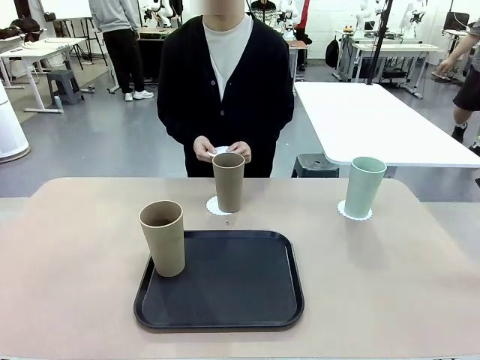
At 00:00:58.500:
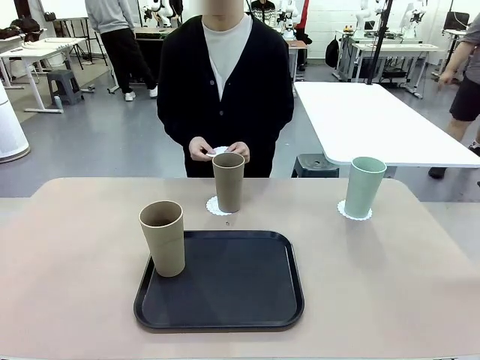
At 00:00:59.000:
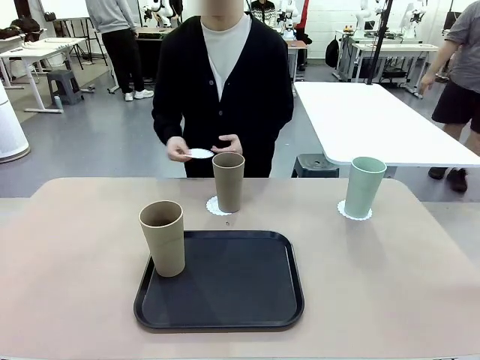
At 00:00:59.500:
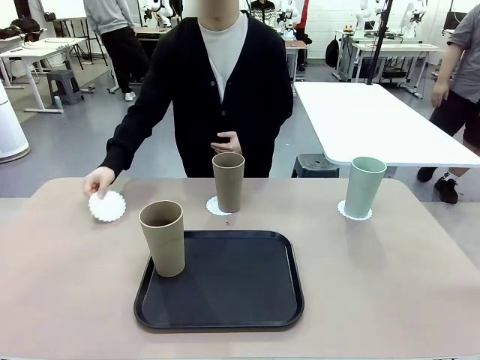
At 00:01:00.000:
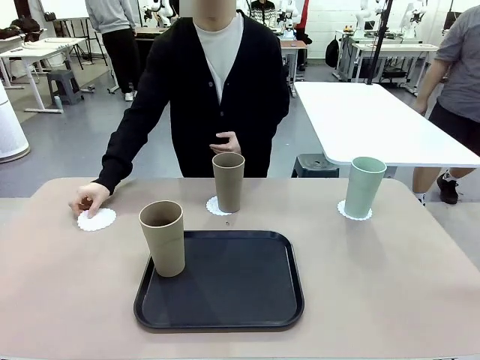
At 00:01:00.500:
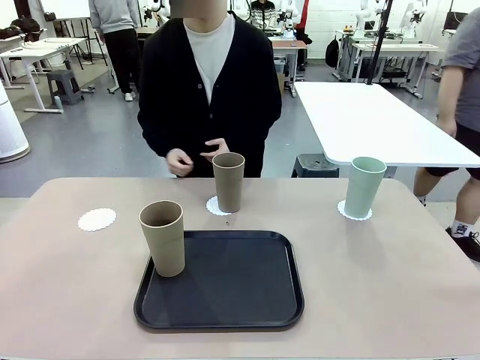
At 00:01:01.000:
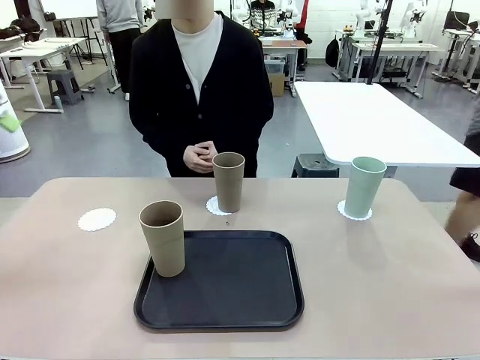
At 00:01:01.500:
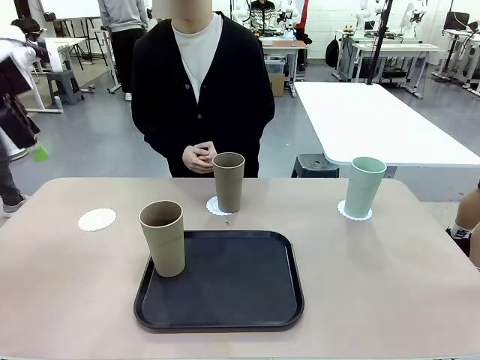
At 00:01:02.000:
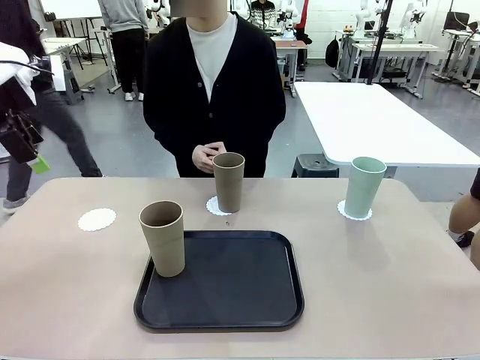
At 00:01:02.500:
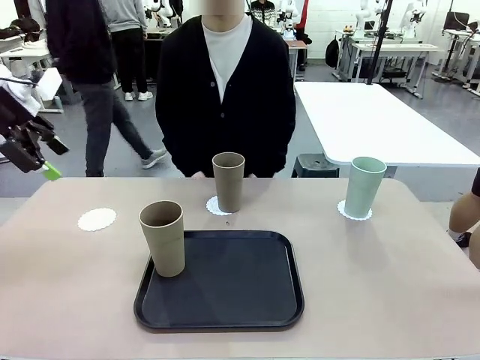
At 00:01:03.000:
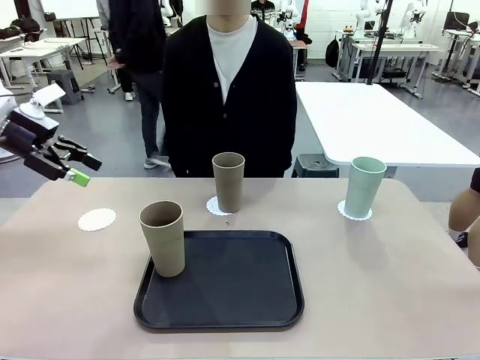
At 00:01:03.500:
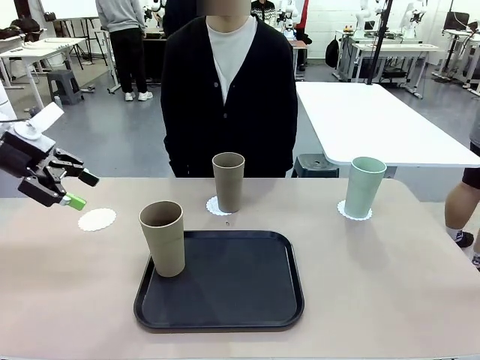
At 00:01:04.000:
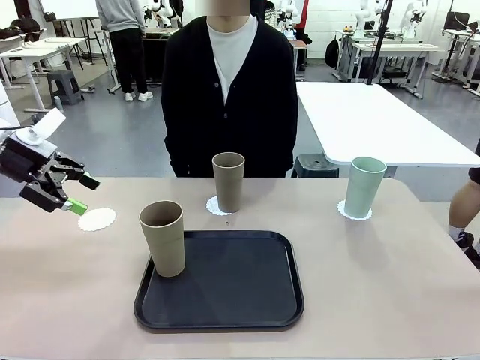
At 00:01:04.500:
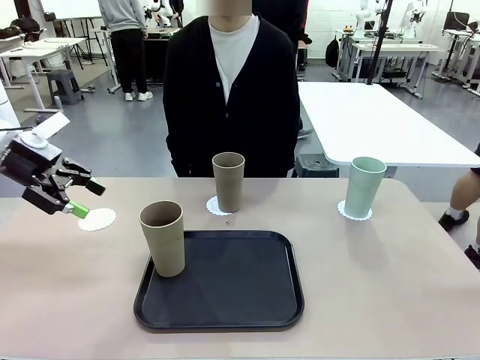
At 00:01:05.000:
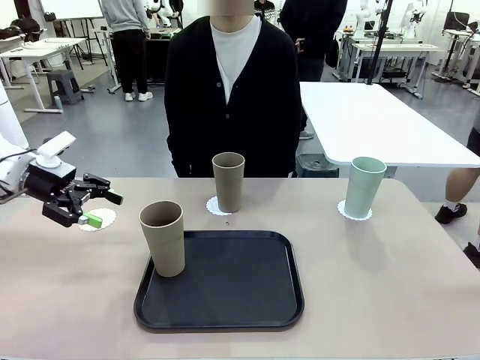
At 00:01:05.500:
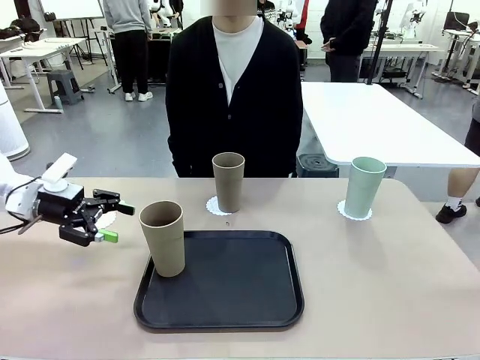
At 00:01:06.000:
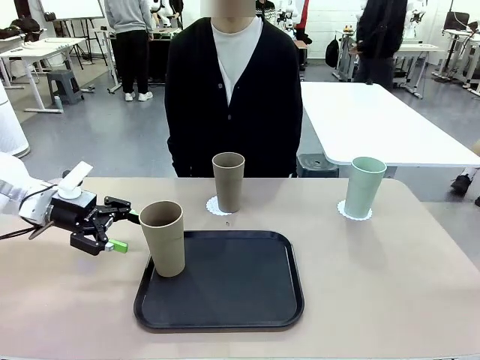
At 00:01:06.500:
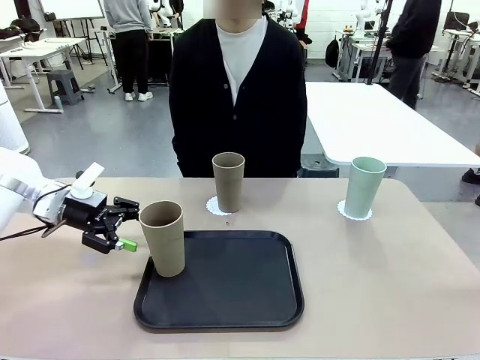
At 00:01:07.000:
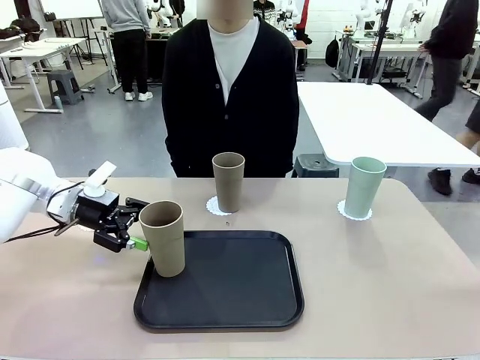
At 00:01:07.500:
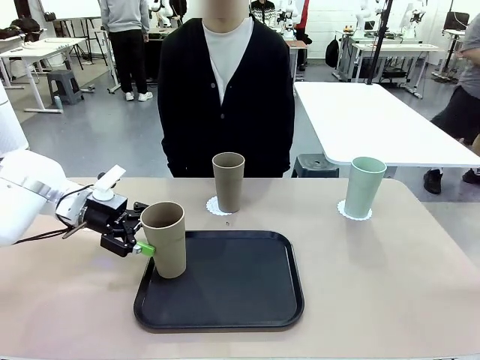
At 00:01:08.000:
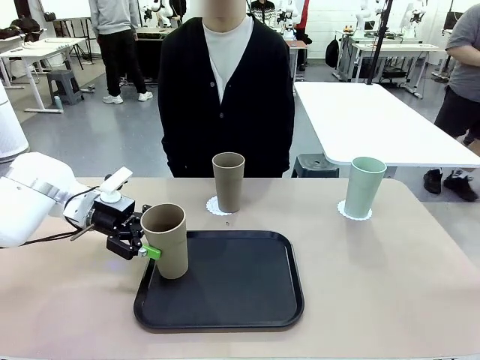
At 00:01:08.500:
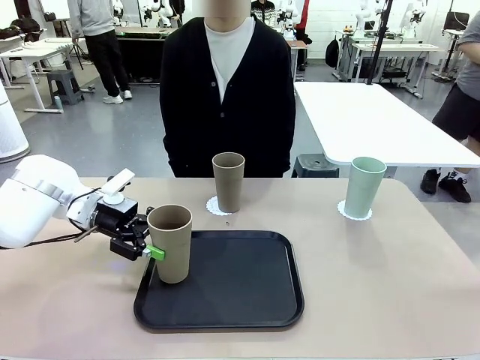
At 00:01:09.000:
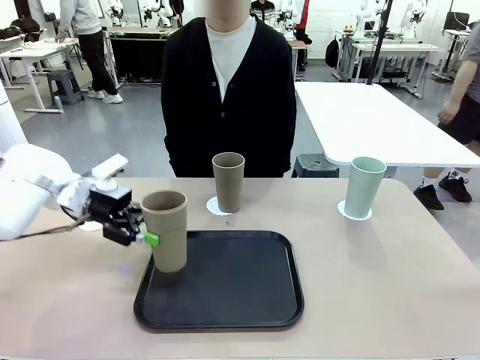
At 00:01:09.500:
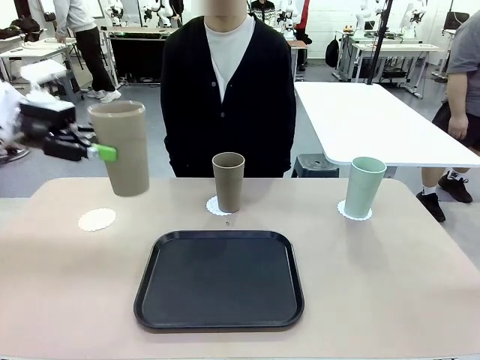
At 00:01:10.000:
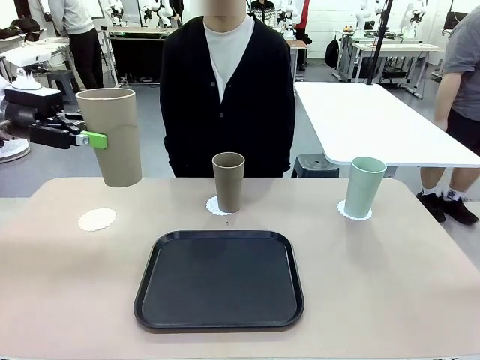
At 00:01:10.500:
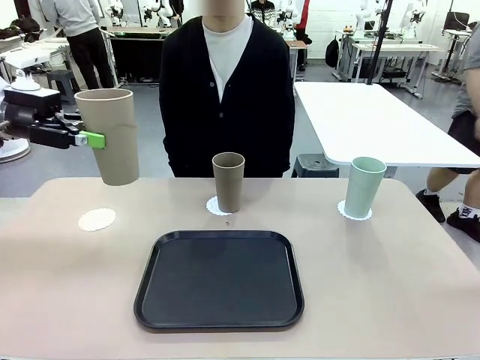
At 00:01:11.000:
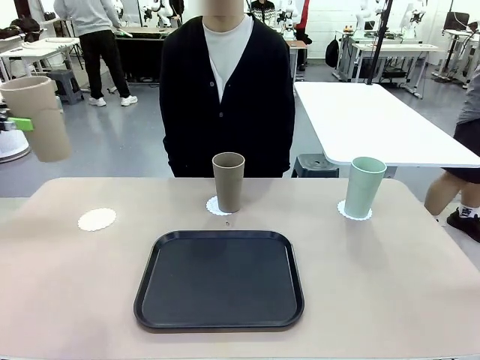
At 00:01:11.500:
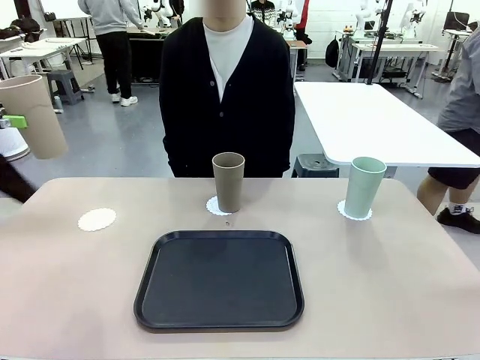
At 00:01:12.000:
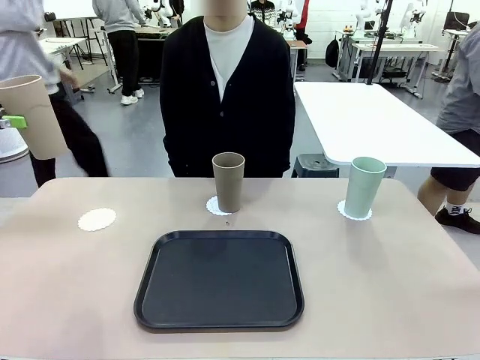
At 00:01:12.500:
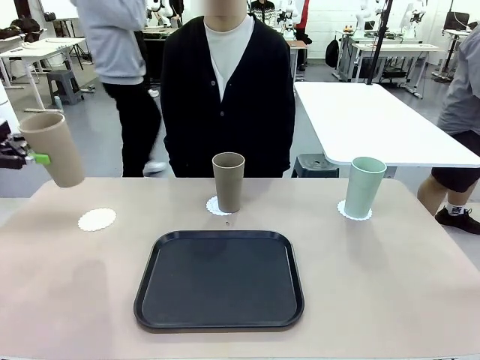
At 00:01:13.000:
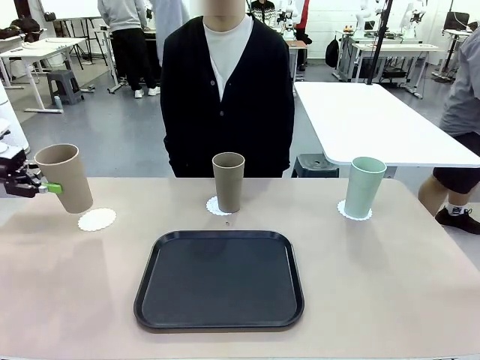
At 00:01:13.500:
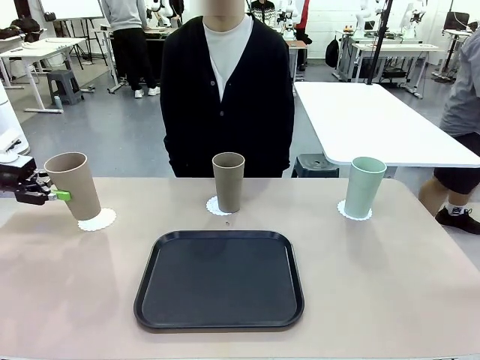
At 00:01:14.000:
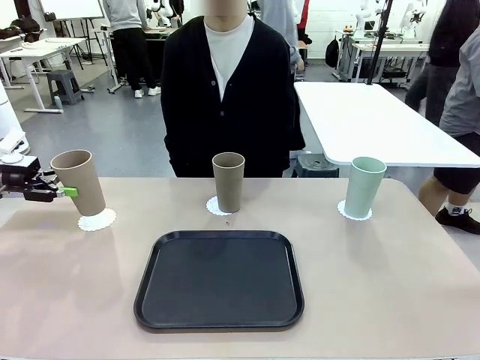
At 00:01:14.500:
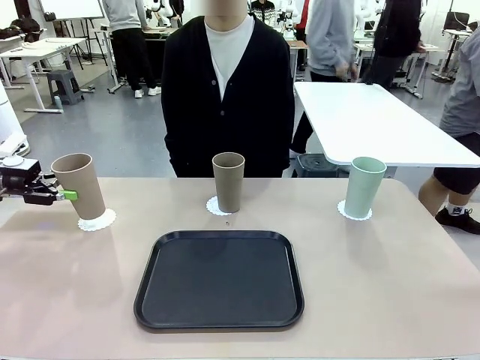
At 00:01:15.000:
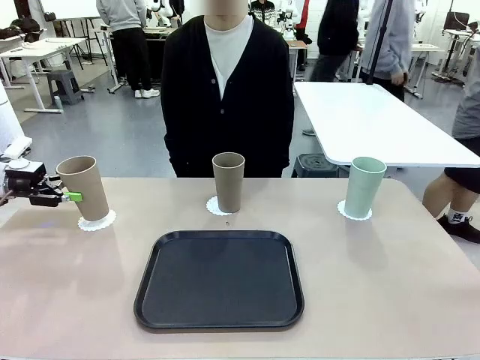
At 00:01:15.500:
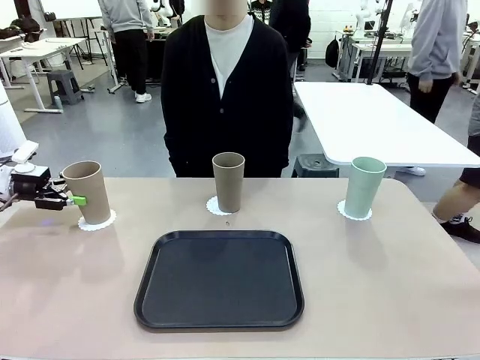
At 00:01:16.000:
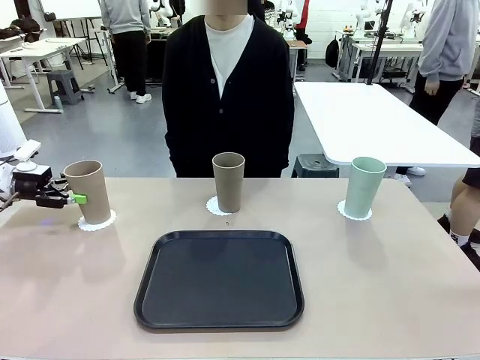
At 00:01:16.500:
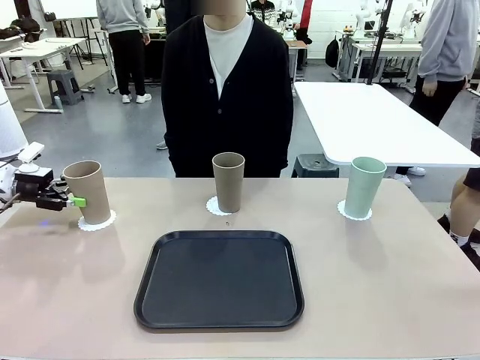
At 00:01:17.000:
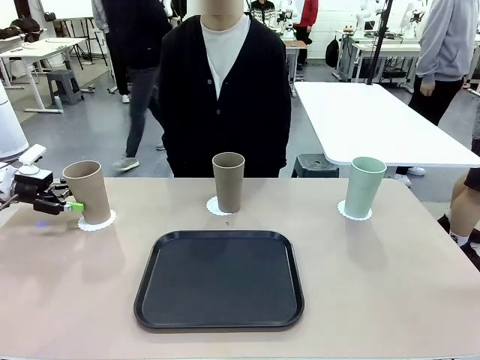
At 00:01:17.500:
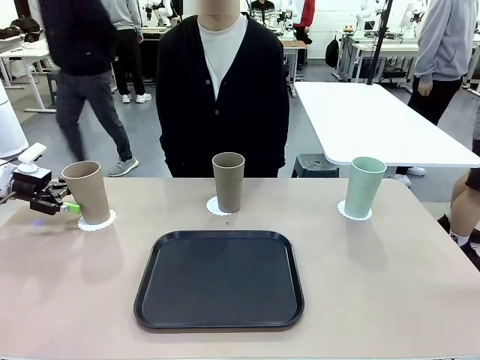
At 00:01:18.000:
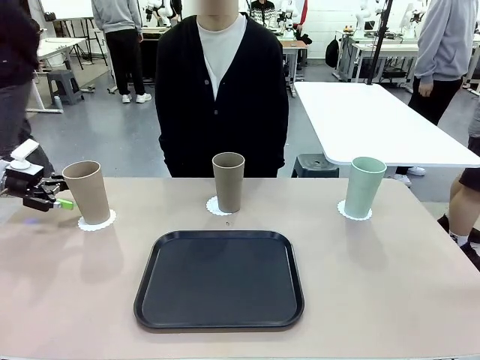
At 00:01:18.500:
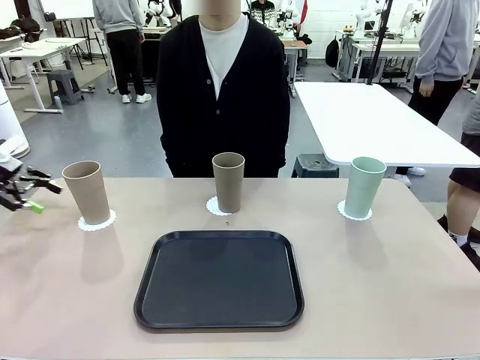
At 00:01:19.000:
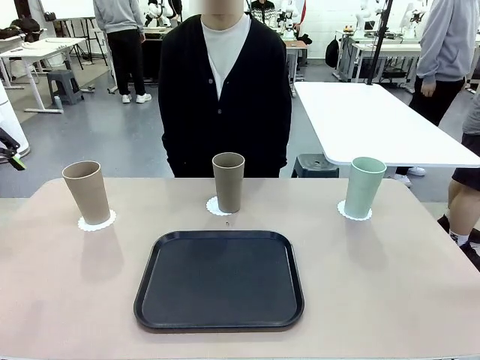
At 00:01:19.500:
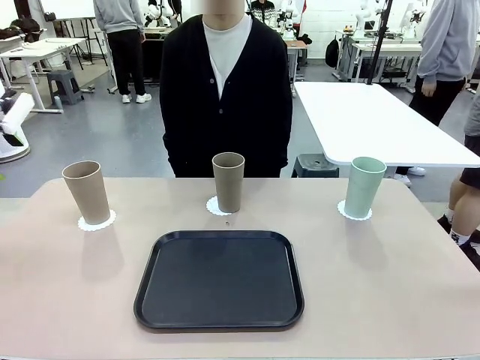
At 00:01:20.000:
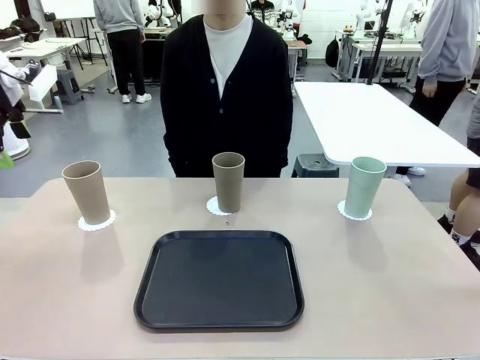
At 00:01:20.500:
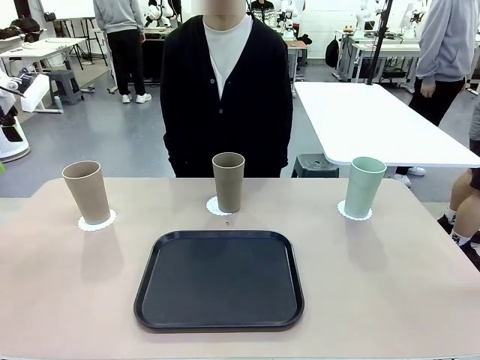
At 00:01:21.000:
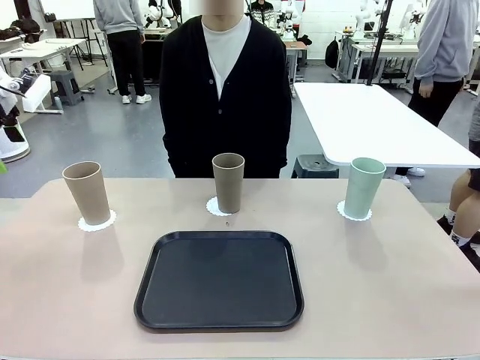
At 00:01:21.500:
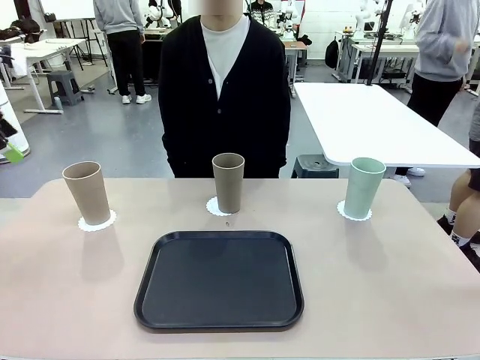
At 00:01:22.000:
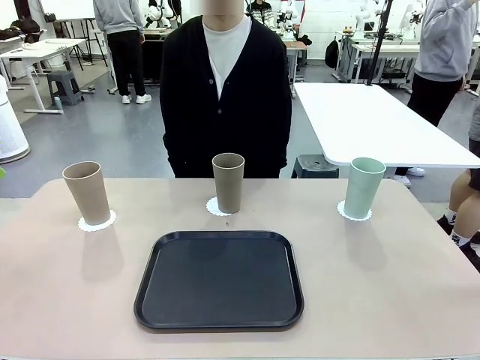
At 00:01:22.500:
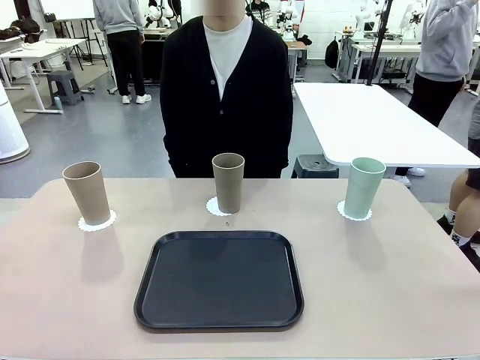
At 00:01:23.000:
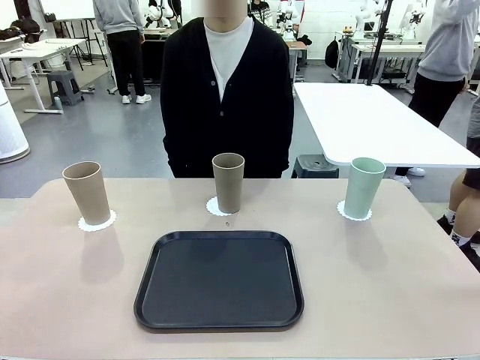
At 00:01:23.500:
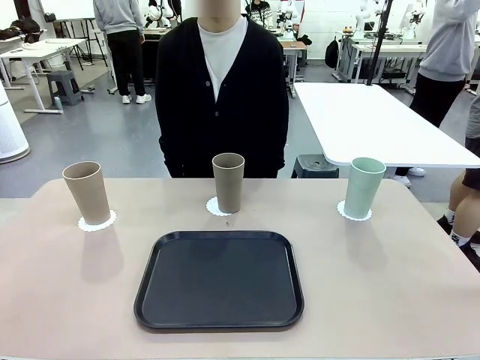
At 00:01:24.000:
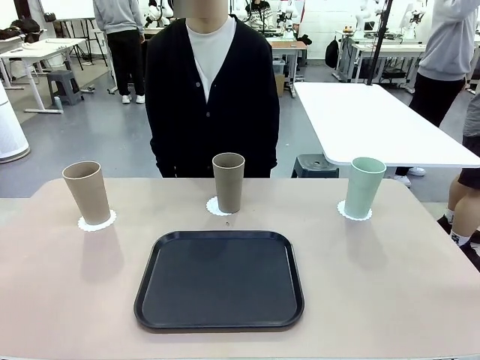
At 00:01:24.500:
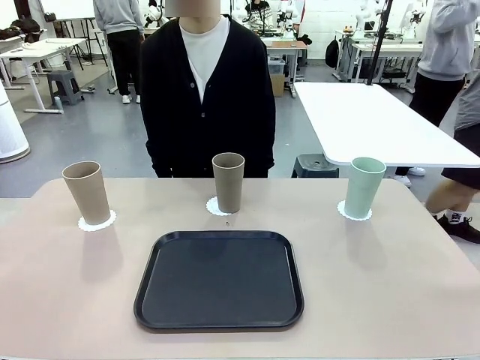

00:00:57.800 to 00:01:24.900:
Task: Place coasters on the table and set cups on them.
Robot: Take one Reusable plastic cup from the Flat Tray and place it on a coaster set by the human.
Person: Place one coaster in the only remaining area.
